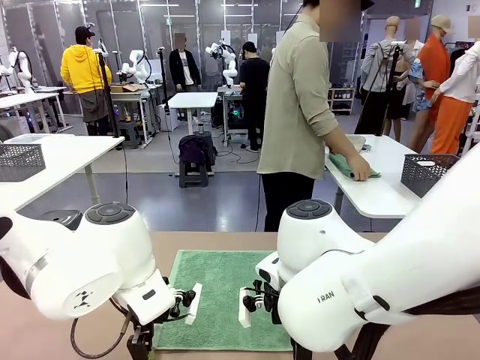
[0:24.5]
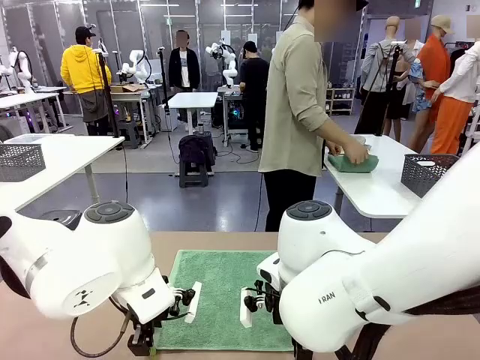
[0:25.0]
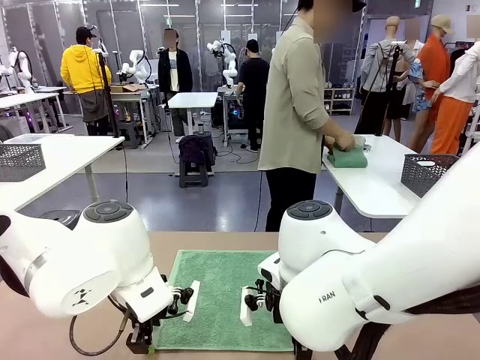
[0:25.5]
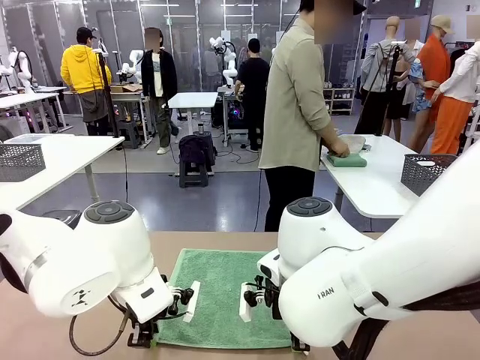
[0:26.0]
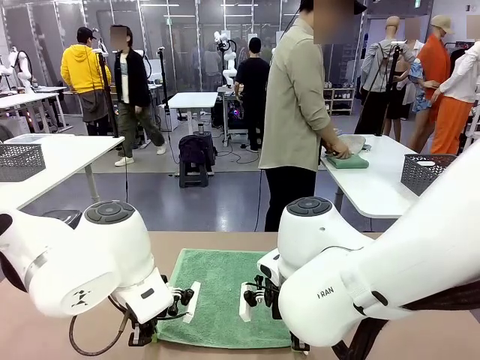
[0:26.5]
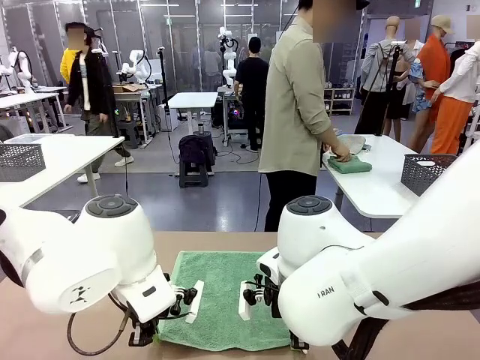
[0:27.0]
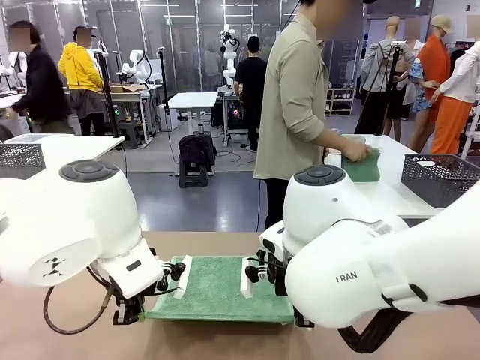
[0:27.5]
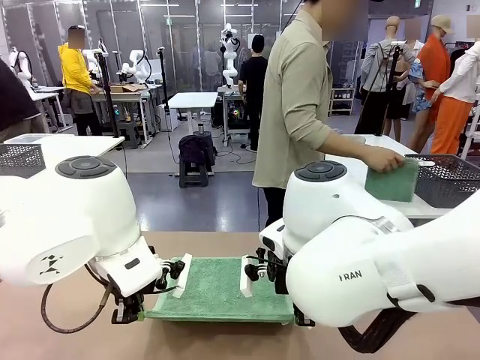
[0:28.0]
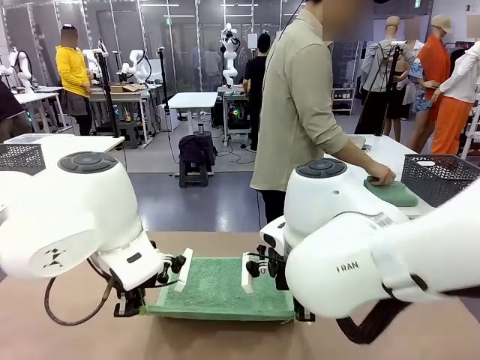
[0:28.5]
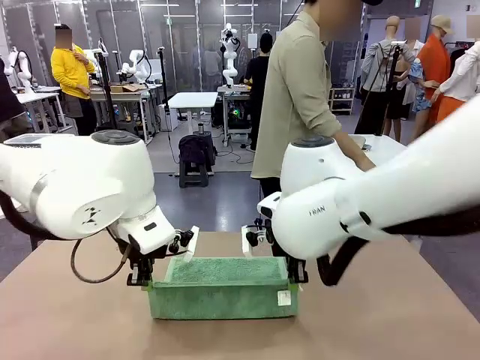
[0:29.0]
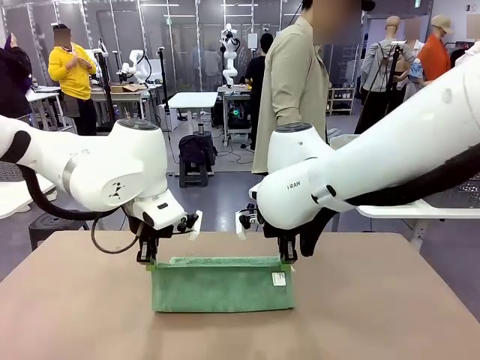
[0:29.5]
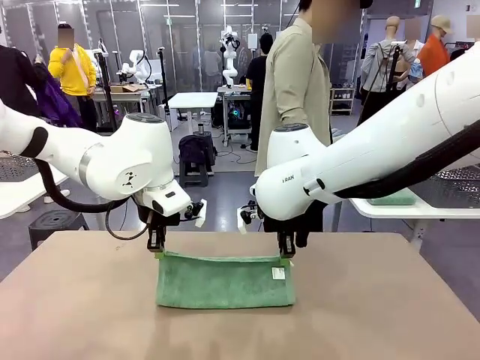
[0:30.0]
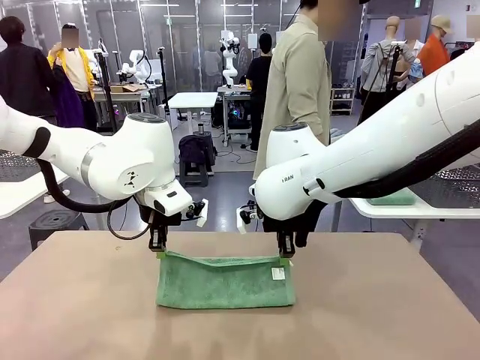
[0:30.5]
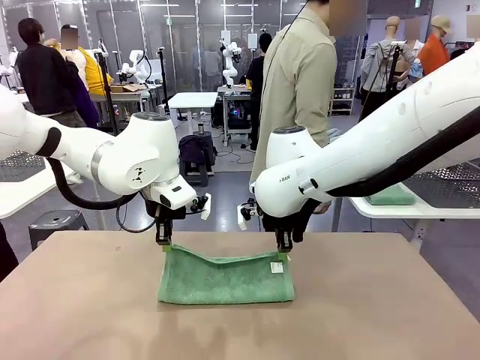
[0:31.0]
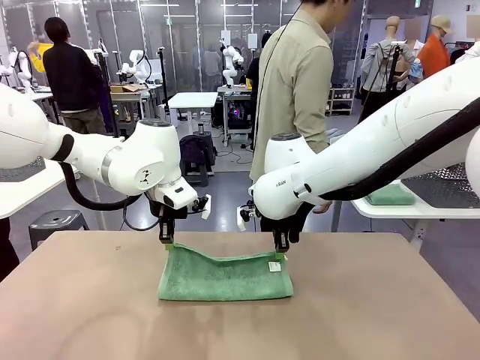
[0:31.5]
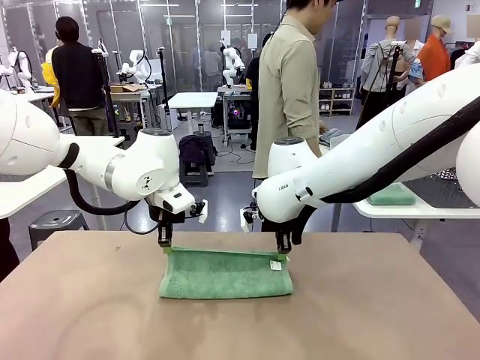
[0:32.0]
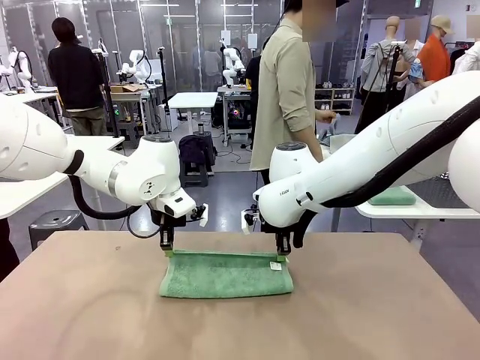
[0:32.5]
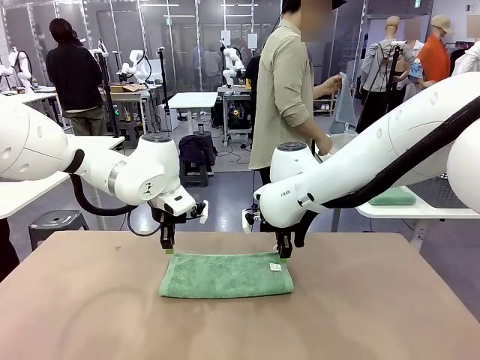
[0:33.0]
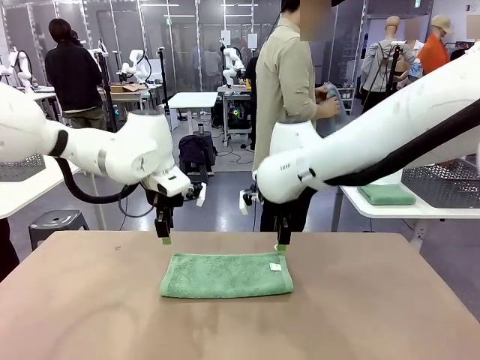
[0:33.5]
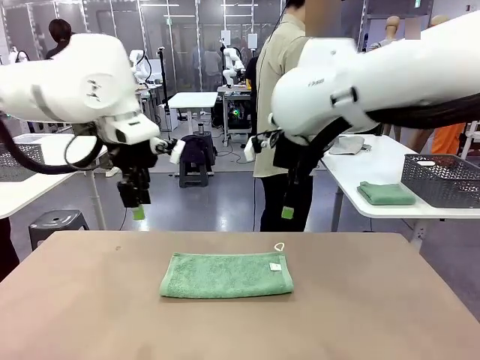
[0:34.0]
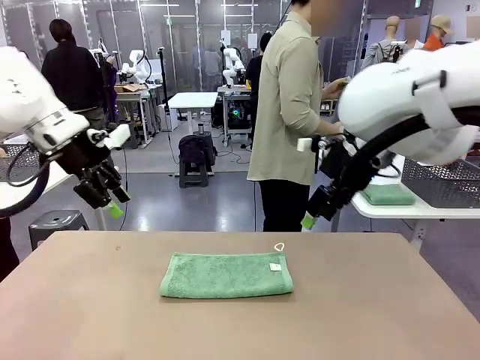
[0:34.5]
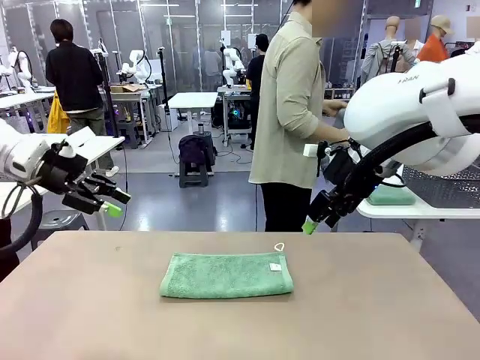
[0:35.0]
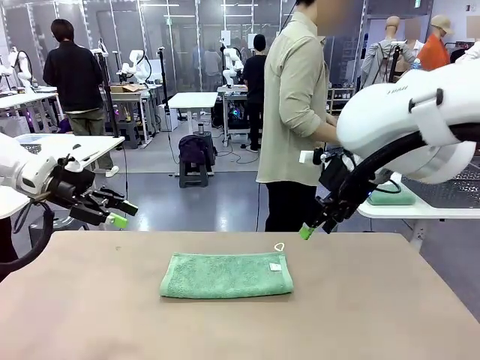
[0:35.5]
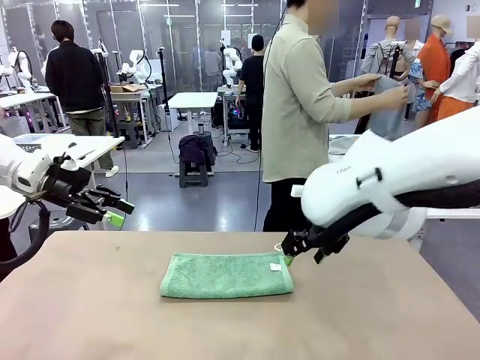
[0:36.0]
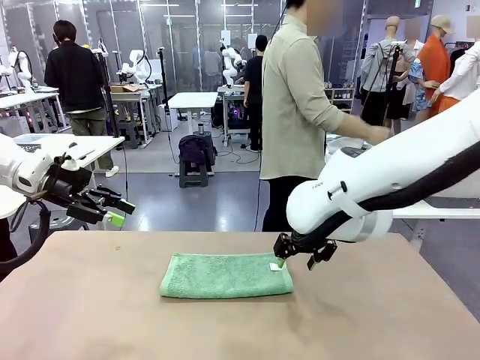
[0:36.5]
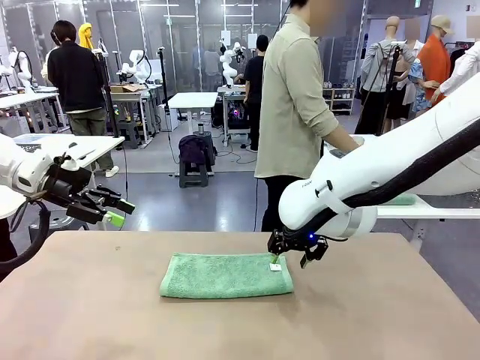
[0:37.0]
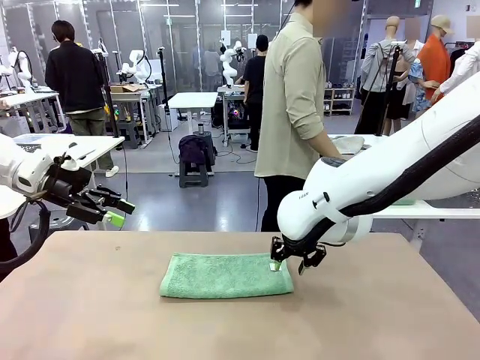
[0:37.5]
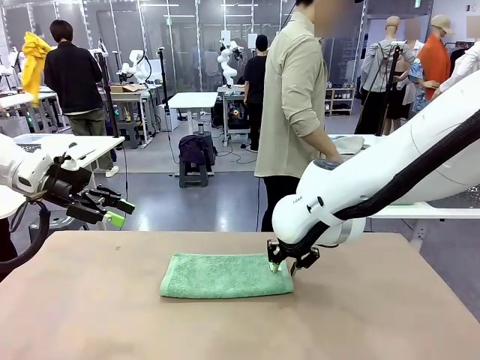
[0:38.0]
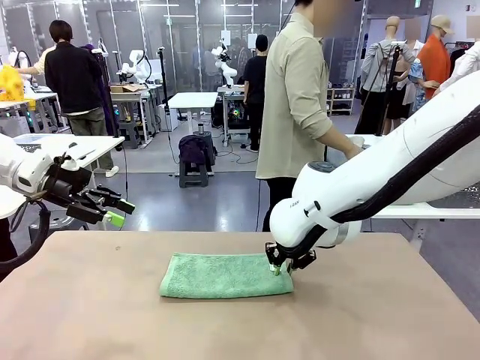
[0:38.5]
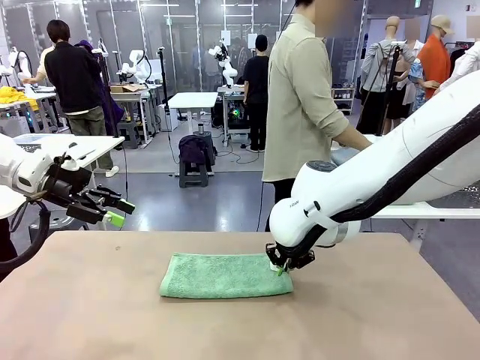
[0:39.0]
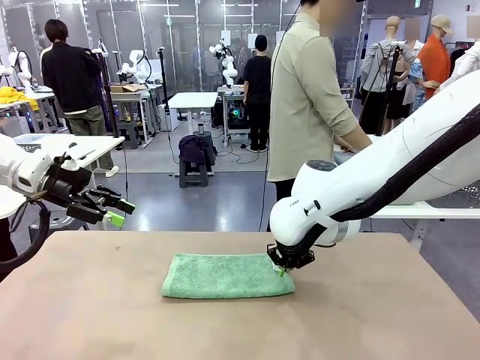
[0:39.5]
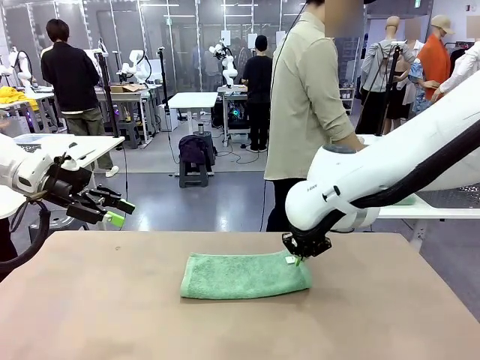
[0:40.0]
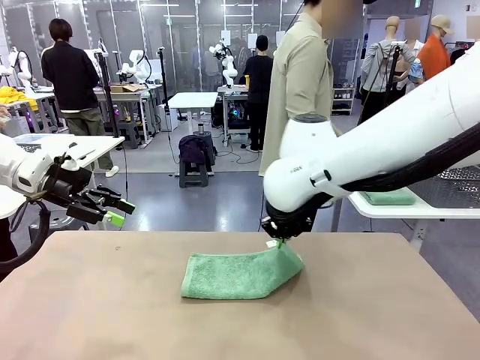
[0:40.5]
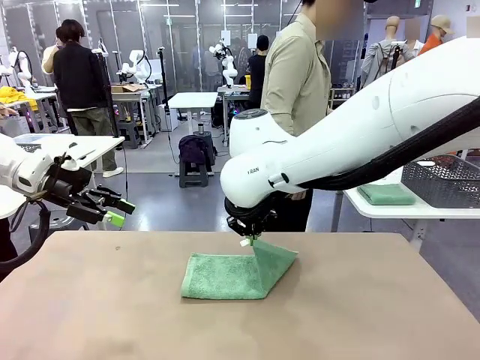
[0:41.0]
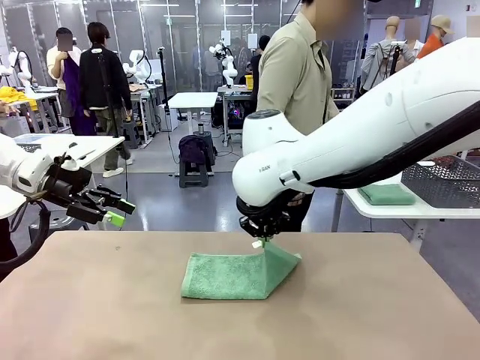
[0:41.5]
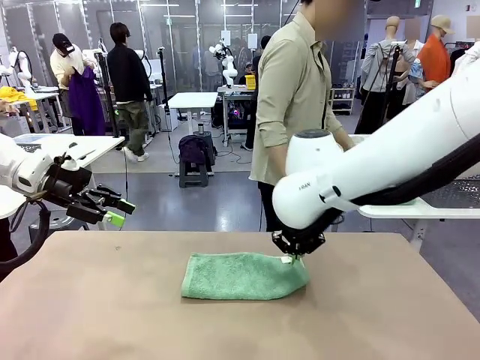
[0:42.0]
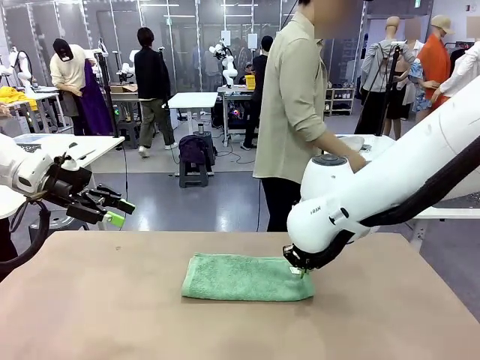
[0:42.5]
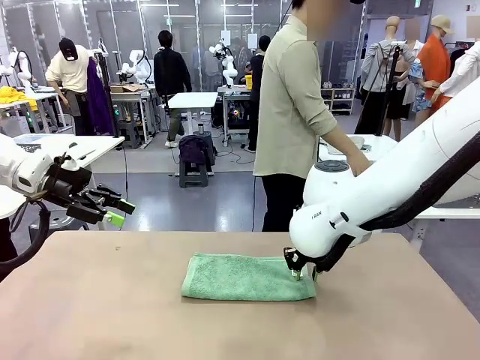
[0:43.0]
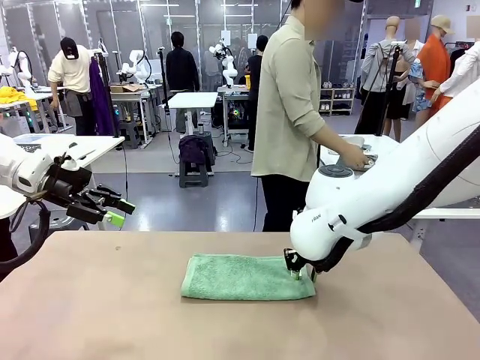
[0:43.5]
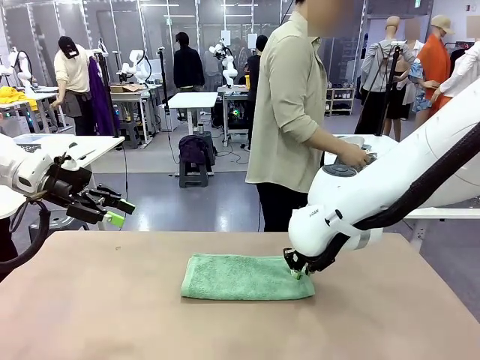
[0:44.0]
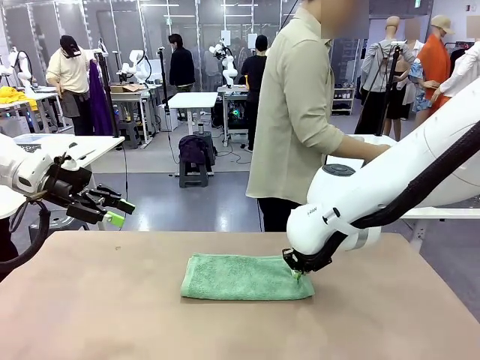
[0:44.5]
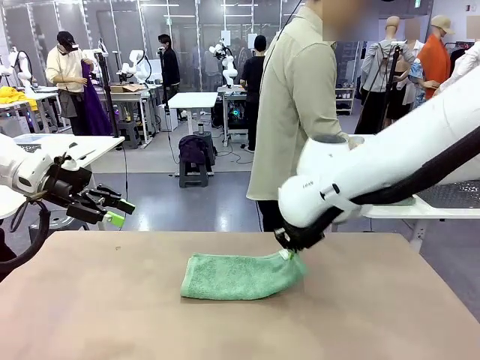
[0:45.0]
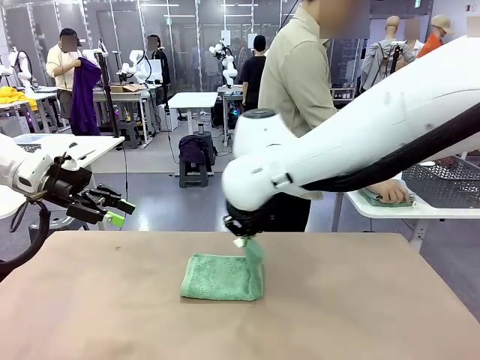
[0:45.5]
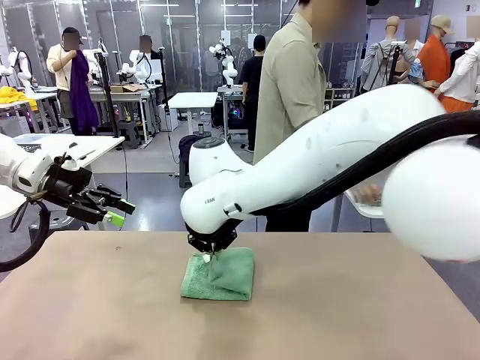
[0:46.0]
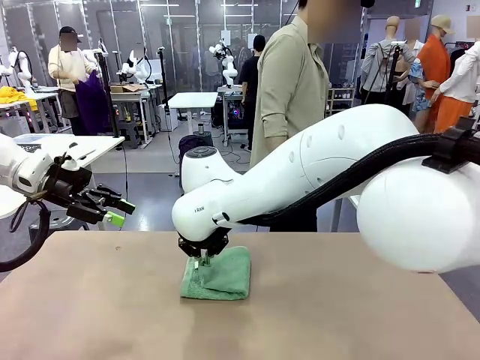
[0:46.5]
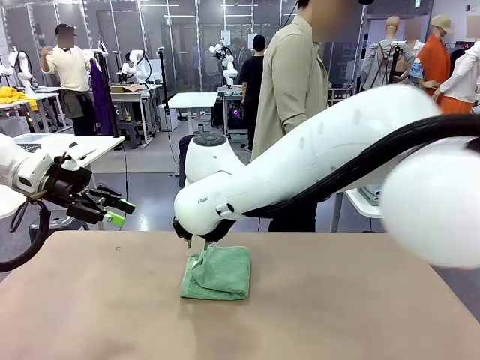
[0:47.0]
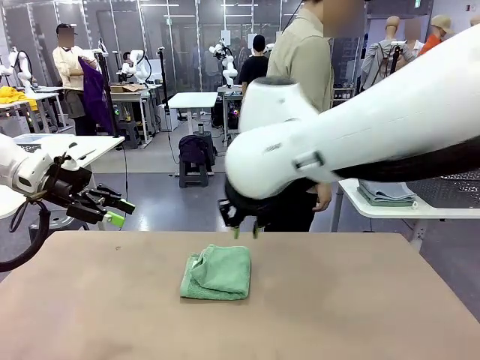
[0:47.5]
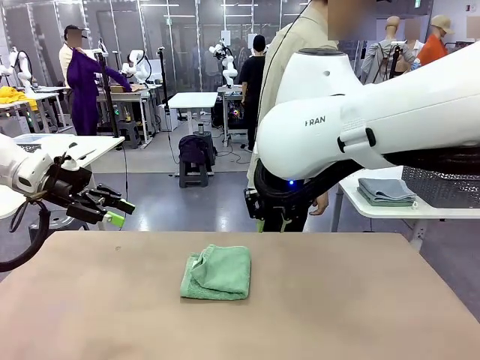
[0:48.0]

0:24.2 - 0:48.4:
Task: Fold the towels and place them in the basket.
Robot: When a person lays out a Towel with hook on the table, fold it in half twice.
Person: Pick up one towel from the left side of the human table, fold it in half twice, and stack it on the right side of the table.

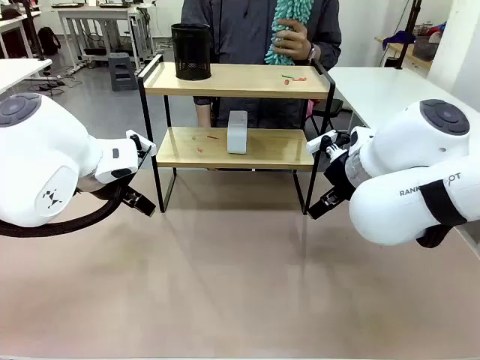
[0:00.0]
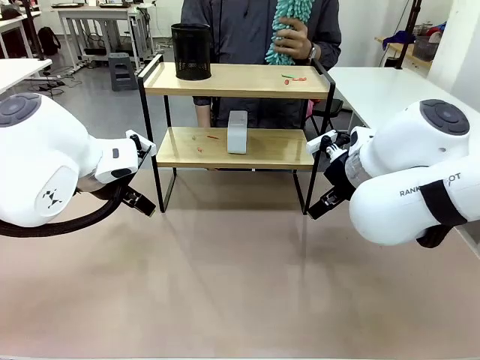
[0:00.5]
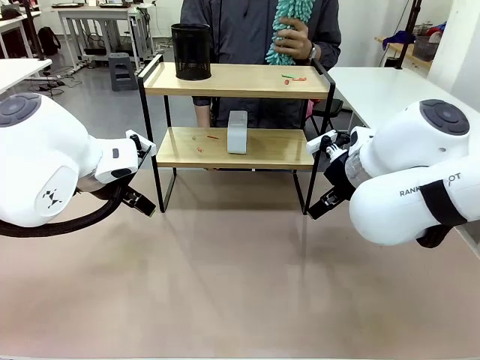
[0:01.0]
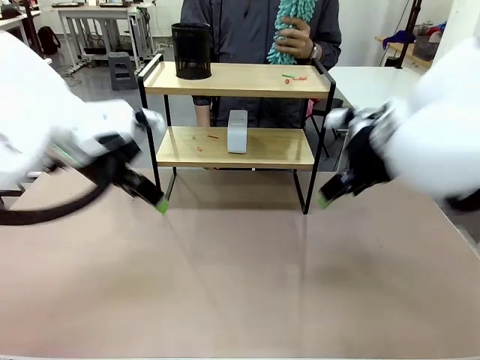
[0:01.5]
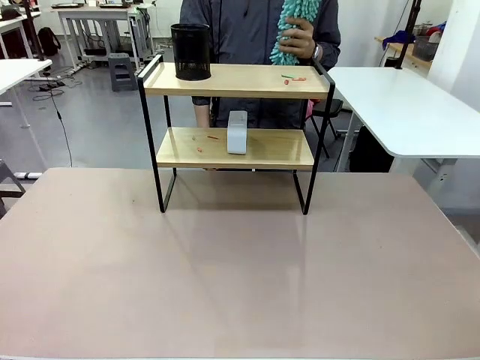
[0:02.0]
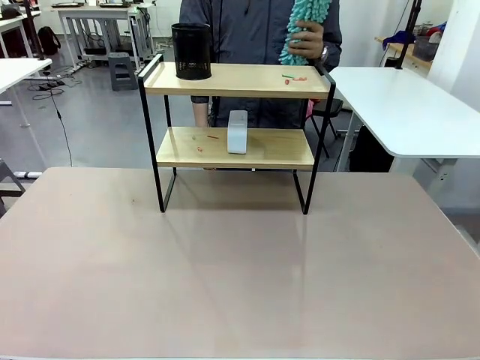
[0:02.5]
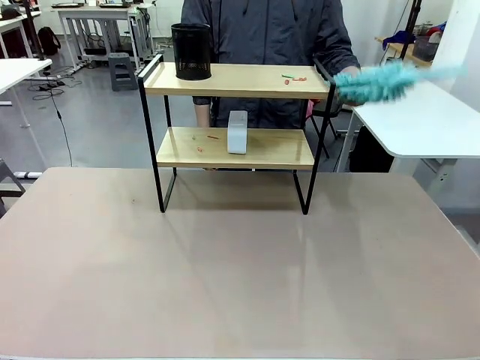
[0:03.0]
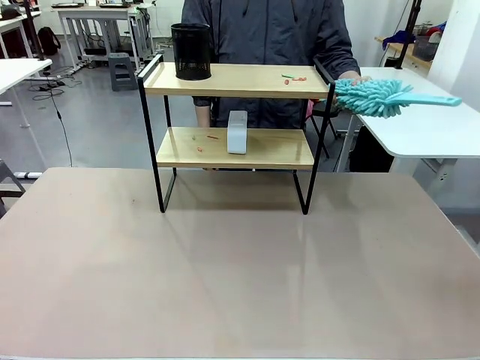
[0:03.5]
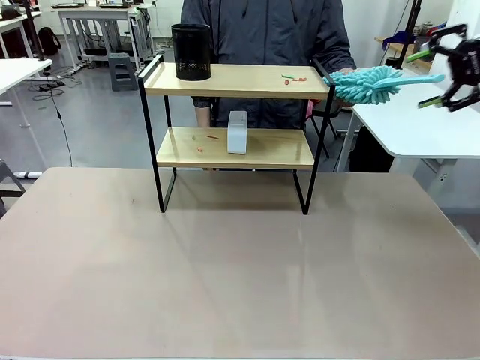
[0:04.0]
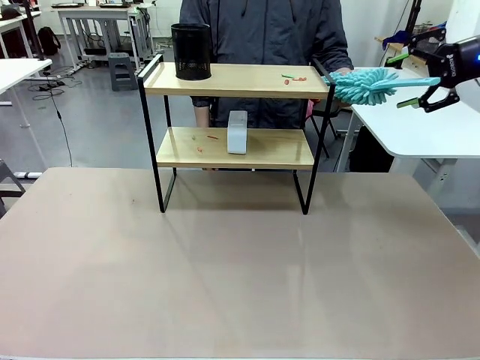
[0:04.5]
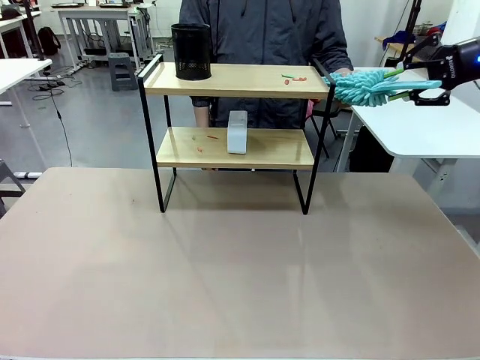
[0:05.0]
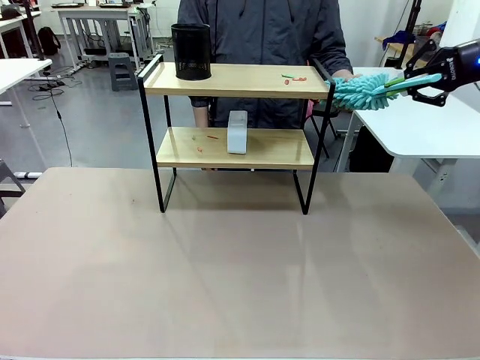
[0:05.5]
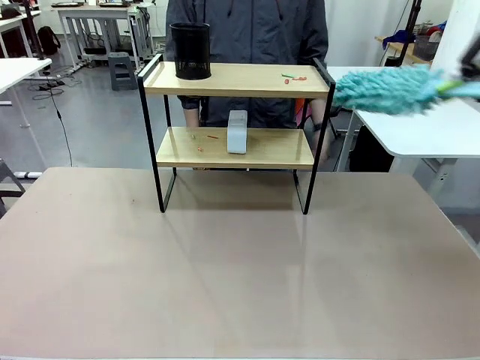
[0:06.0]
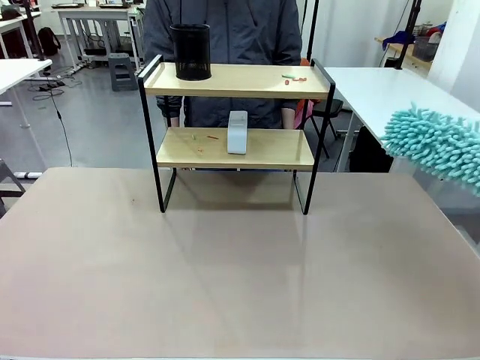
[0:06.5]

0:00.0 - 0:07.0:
Task: Clean the shelf.
Robot: Pick up the Duster from the human.
Person: Hand the Duster to the robot.
